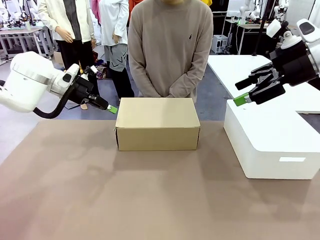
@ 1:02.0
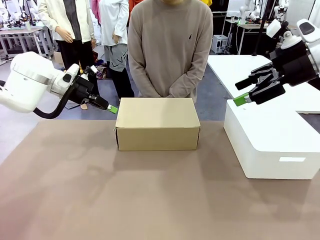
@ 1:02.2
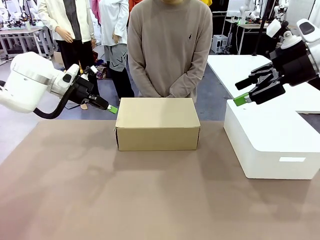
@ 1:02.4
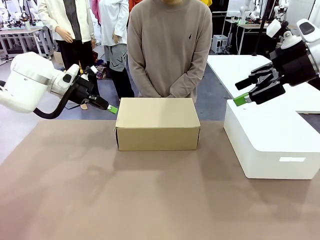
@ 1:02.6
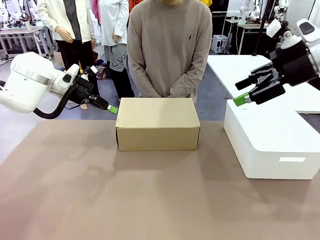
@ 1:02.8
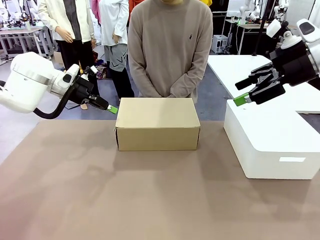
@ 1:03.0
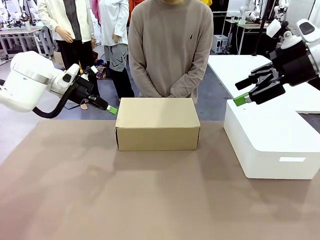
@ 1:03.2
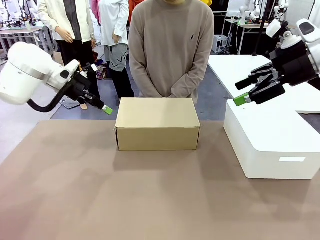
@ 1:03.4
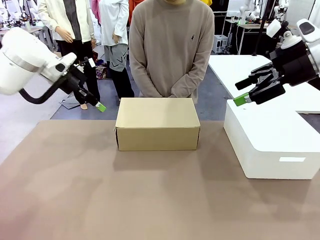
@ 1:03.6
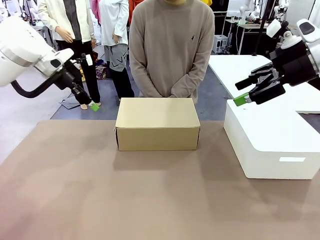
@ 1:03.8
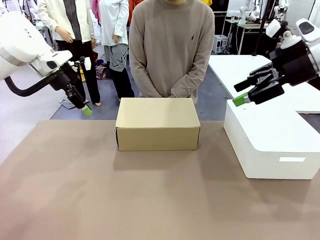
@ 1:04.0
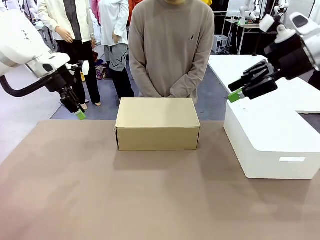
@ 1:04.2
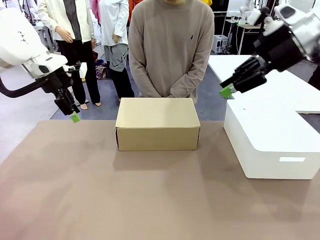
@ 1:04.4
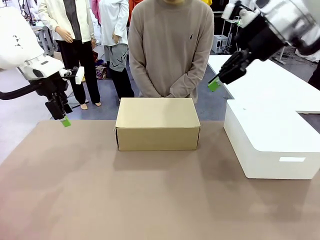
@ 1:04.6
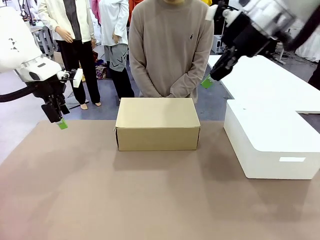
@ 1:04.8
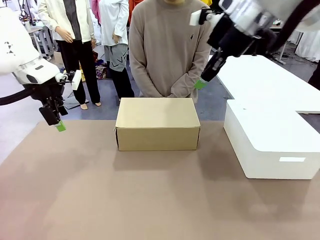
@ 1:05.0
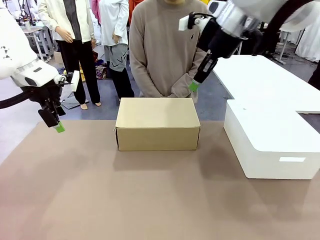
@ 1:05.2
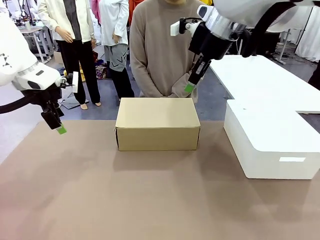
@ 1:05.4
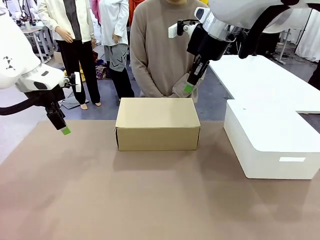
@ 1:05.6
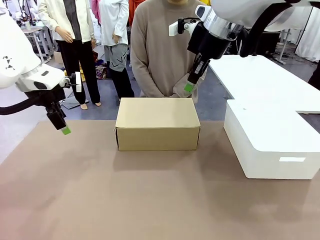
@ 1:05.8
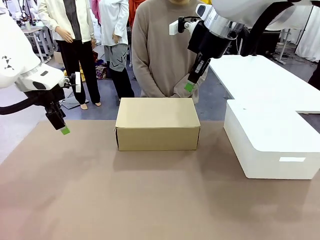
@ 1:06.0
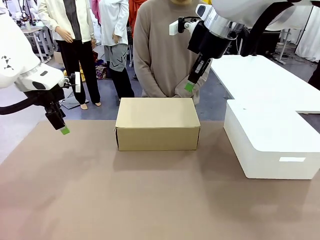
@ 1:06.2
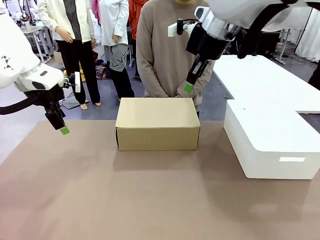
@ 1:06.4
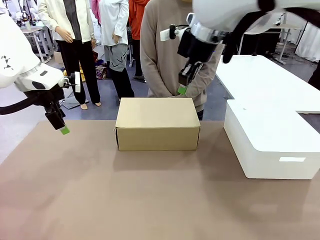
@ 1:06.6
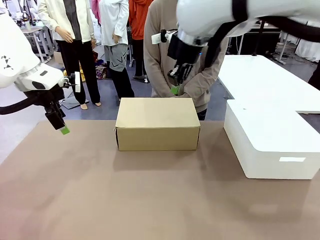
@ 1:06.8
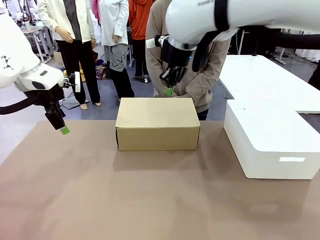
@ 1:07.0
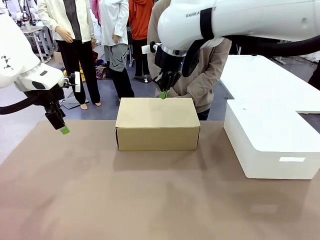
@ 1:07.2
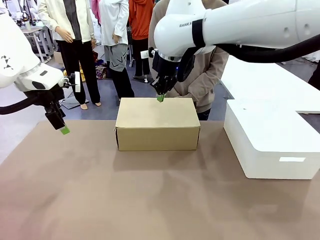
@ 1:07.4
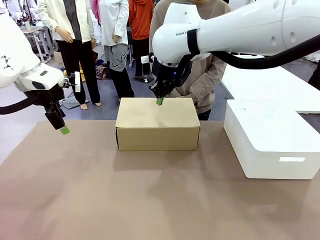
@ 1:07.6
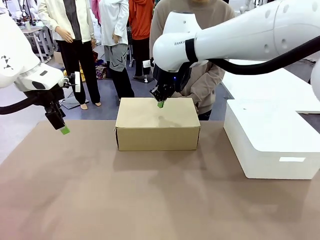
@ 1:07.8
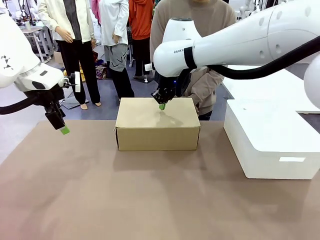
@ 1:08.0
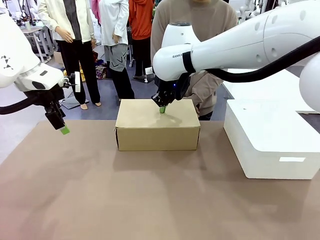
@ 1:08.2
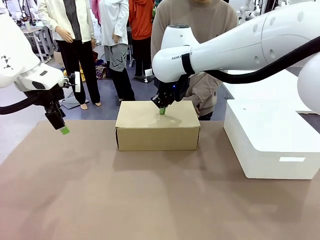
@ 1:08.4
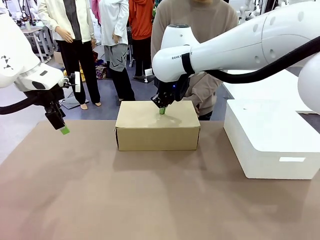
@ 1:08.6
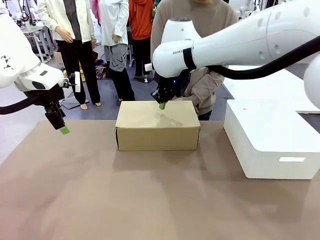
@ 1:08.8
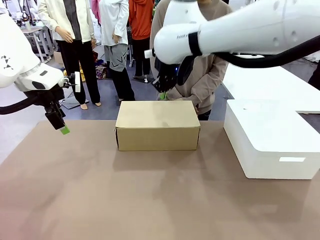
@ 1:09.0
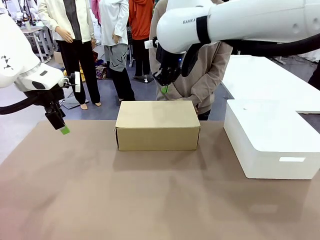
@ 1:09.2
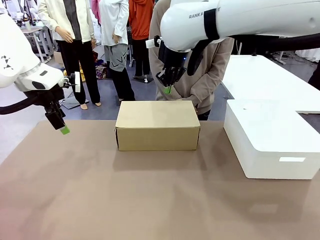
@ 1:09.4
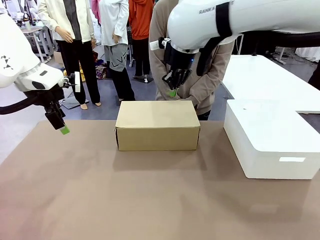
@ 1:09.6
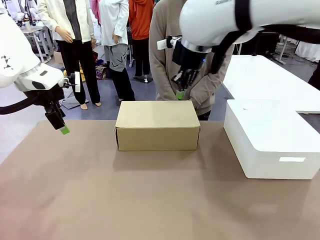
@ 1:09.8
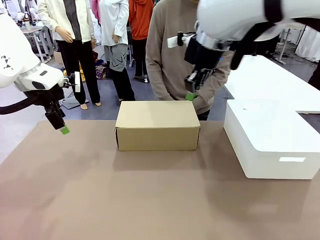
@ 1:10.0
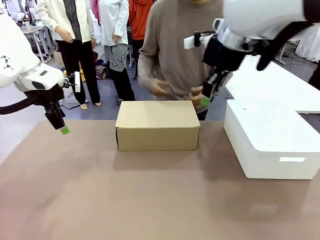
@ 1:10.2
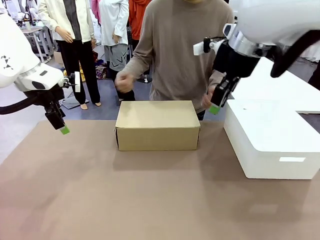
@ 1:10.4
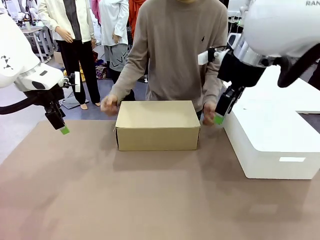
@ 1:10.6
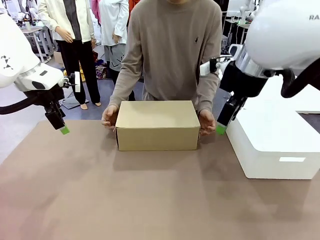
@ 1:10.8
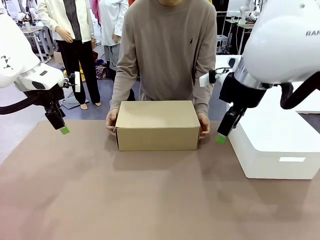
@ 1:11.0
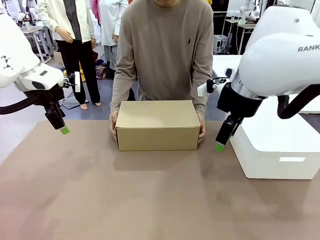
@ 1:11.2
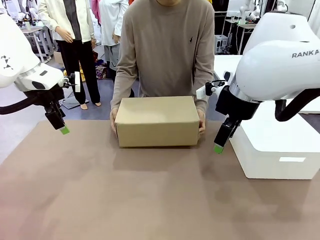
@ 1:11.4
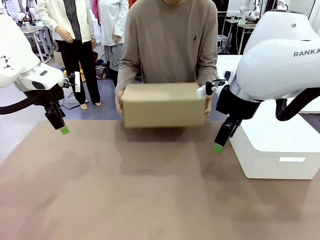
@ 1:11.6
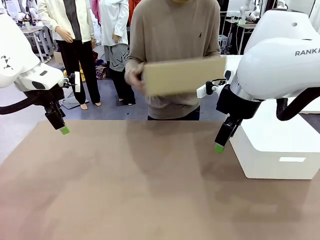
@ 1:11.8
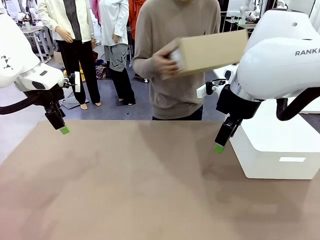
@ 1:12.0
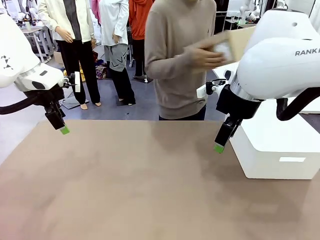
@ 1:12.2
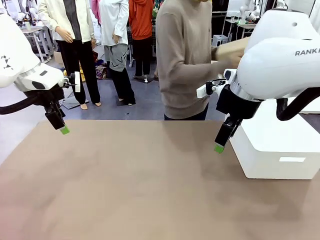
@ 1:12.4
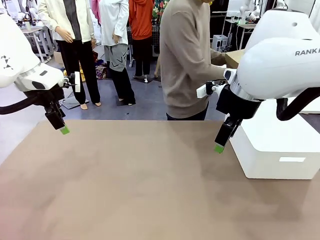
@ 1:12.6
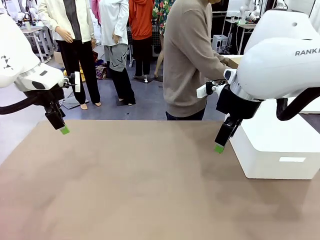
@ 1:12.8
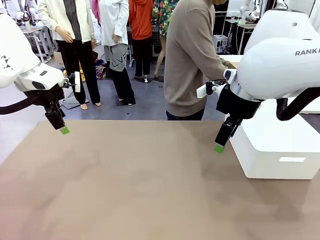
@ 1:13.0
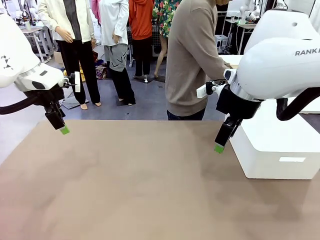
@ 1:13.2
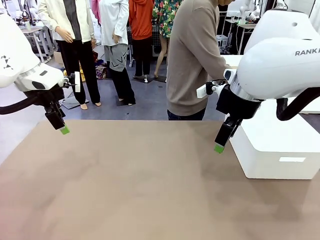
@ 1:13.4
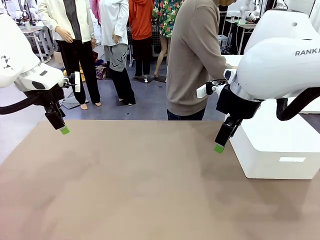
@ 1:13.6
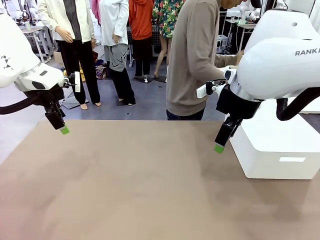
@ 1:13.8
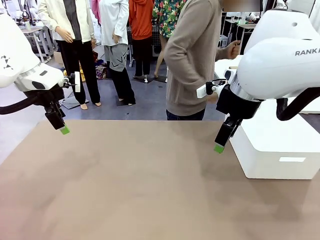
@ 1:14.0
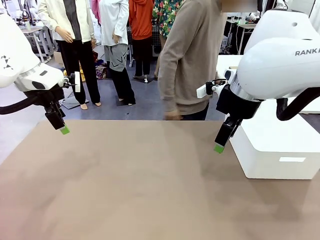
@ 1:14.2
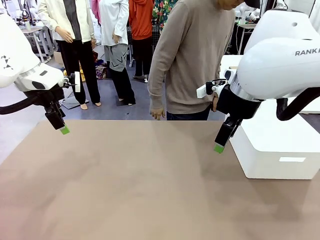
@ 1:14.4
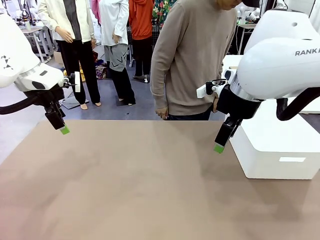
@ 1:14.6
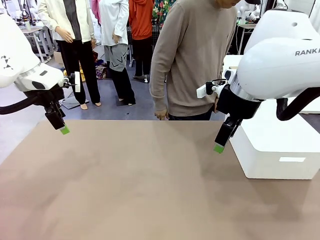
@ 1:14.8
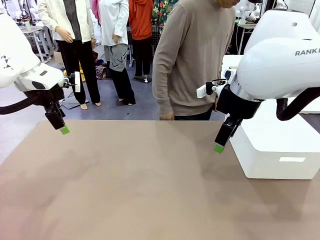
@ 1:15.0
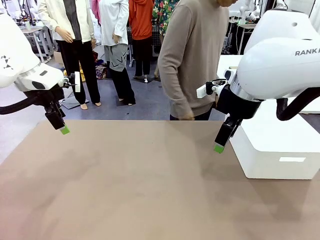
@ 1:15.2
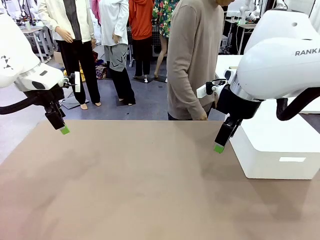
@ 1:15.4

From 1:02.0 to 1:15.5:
Task: Pack the shoes into the box.
Robot: Press down on the lid of the Shoes Box.
Person: Place the closed Shoes Box to the right side of the human table.
